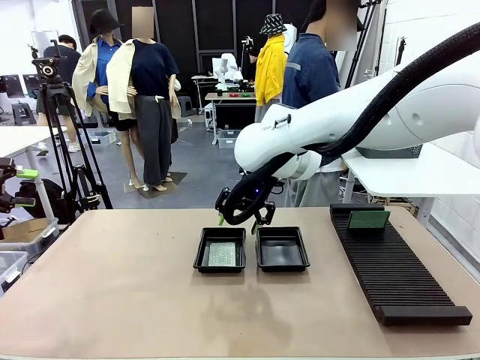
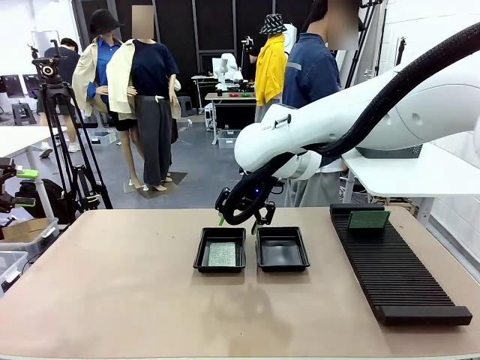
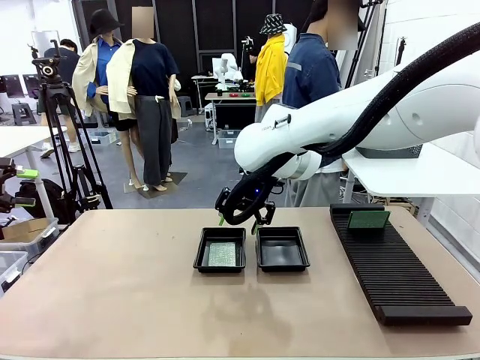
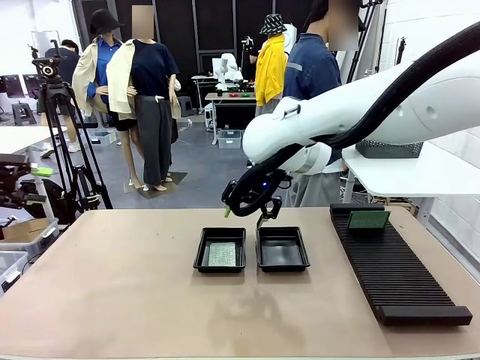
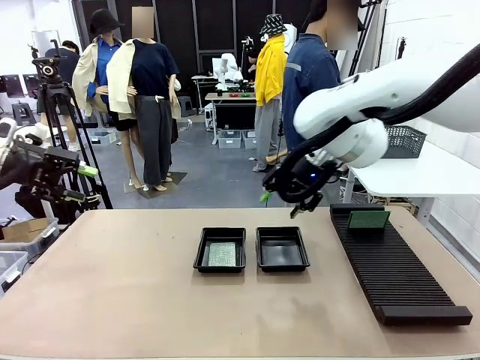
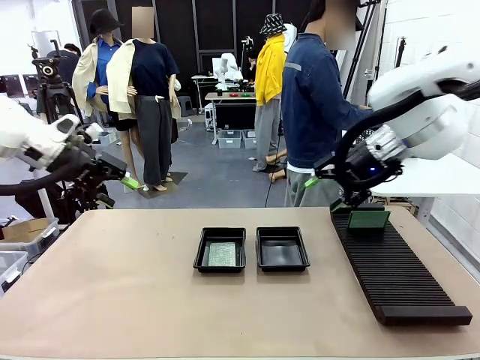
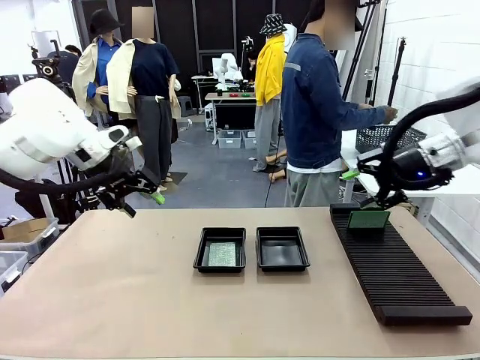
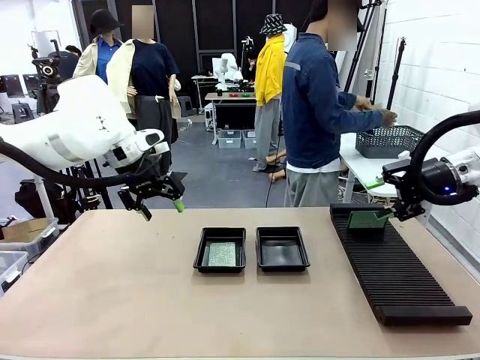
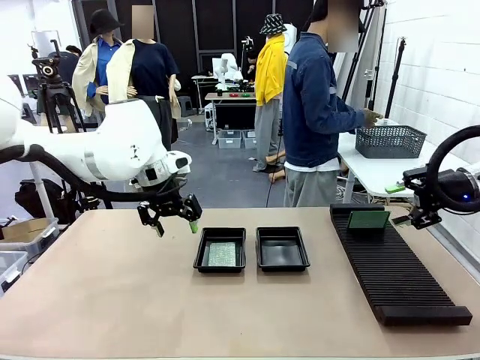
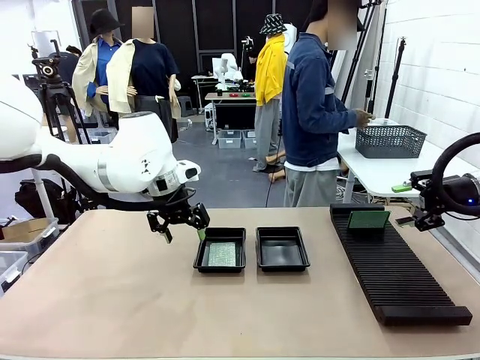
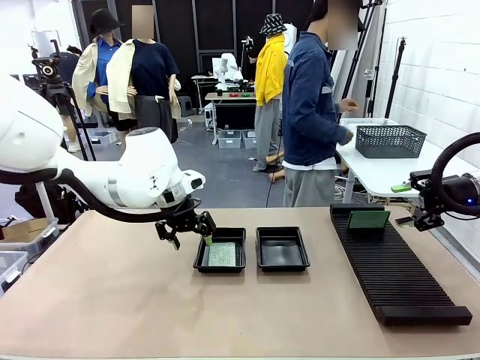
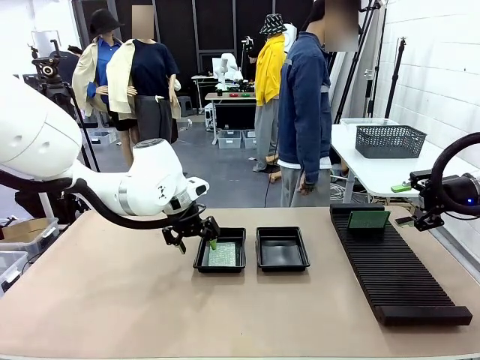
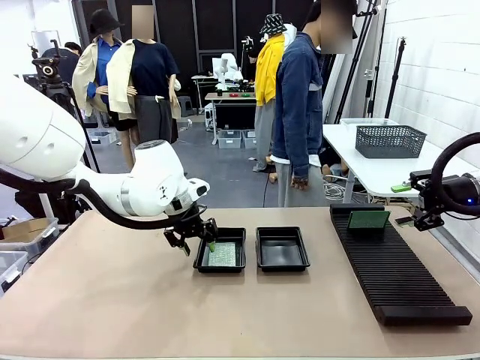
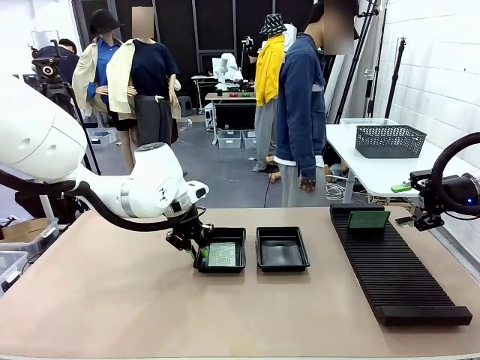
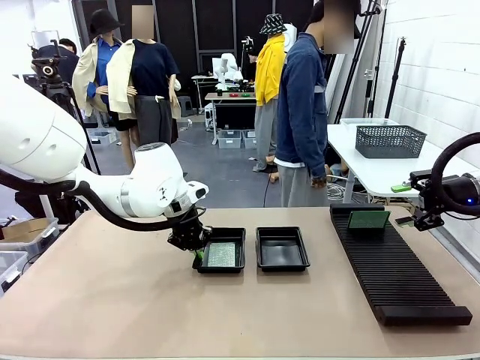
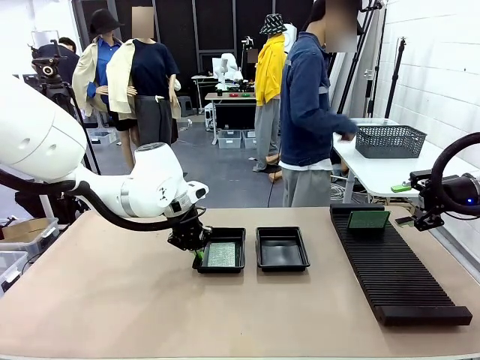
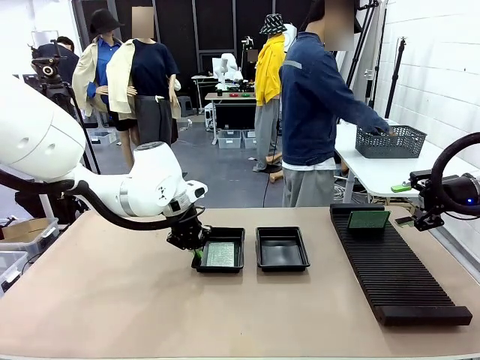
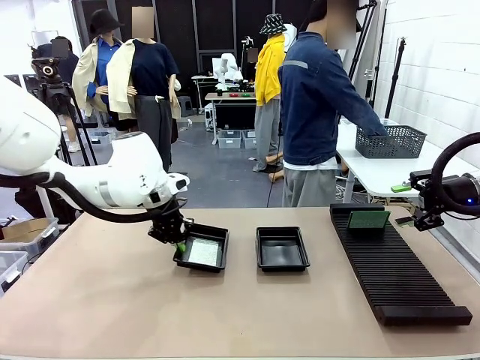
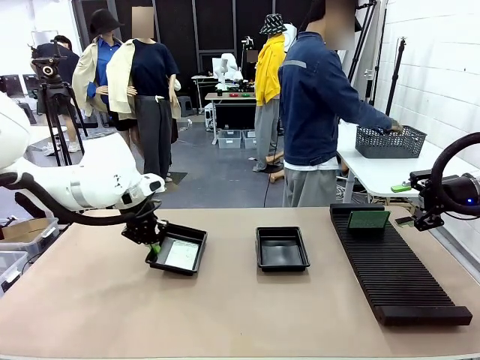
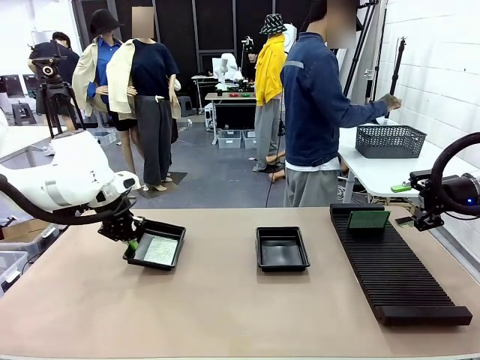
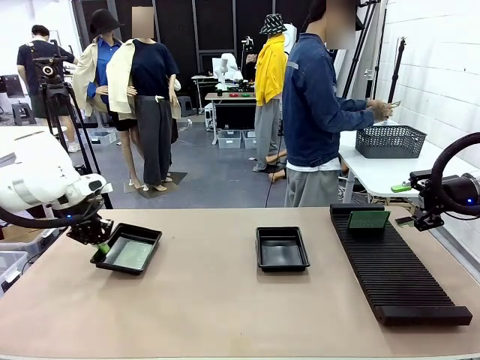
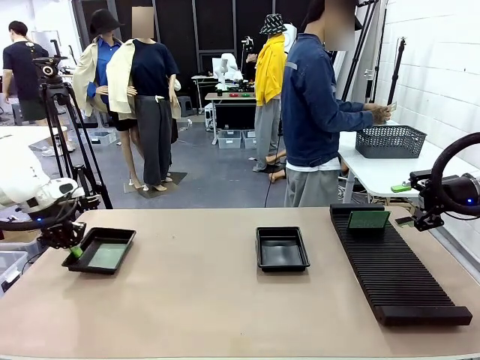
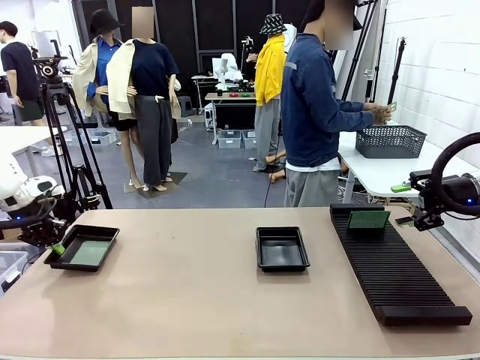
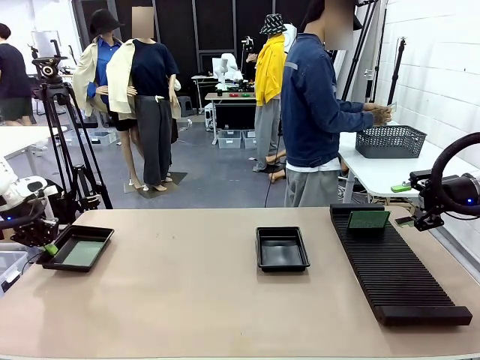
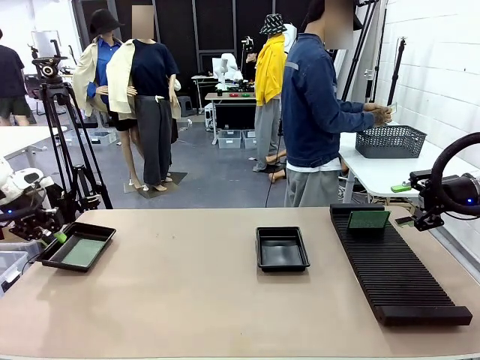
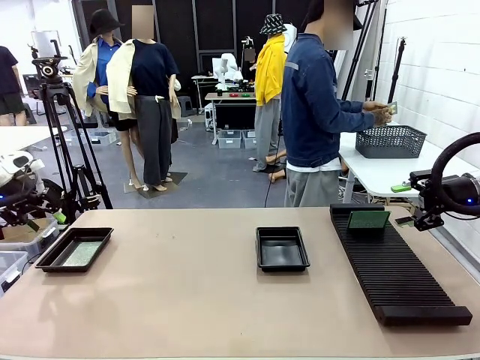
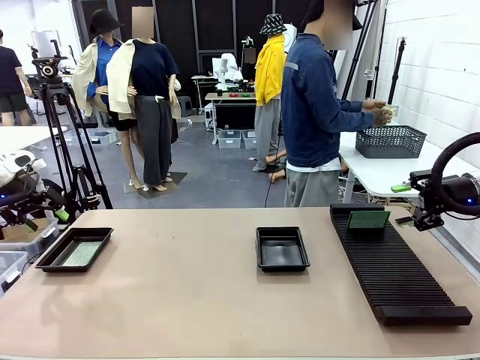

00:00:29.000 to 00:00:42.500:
Task: Inspect and transfer BCBs to ESD trays.
Robot: Pick up the ESD tray and place it on the left side of the table.

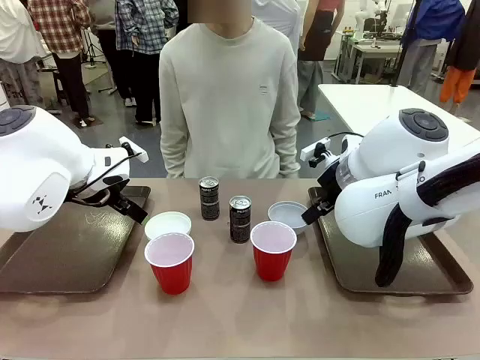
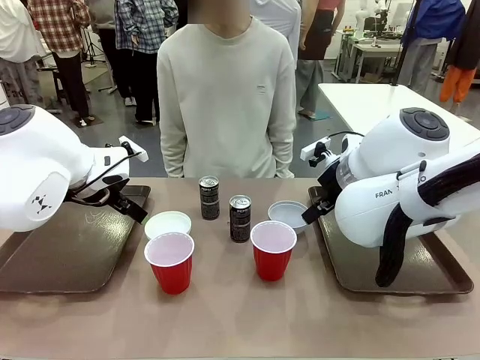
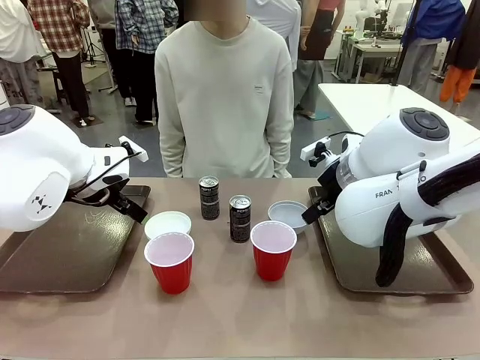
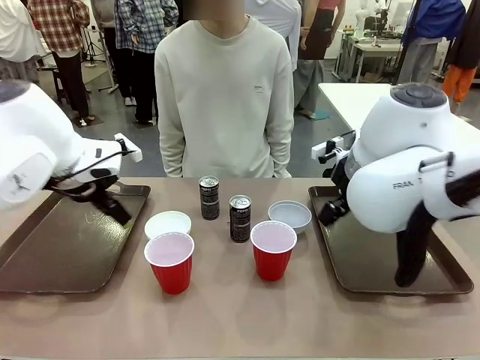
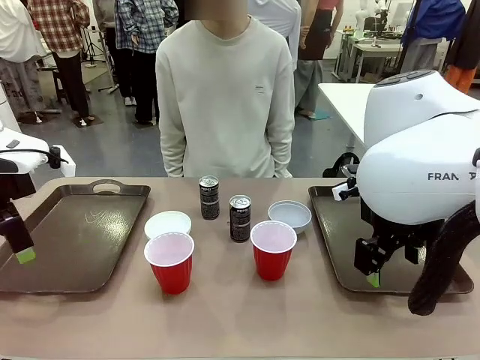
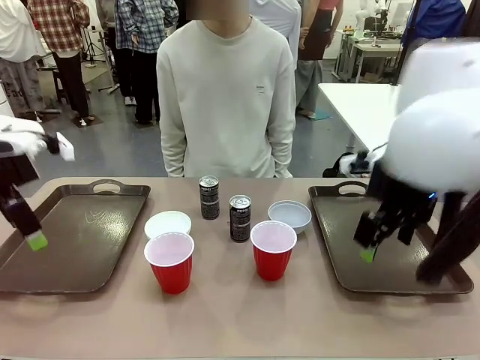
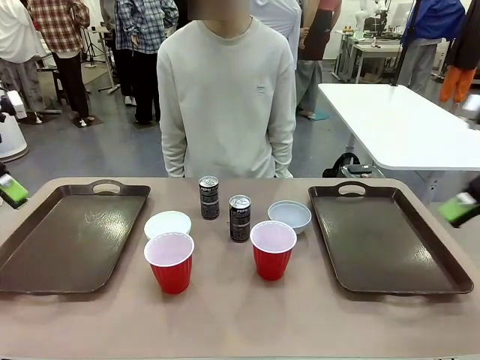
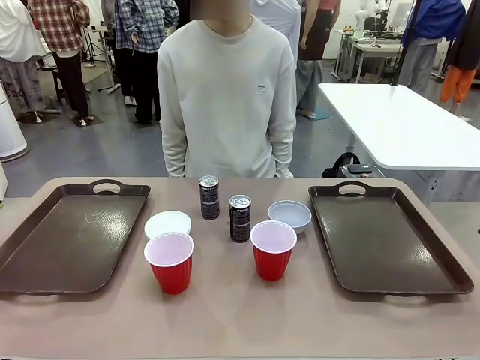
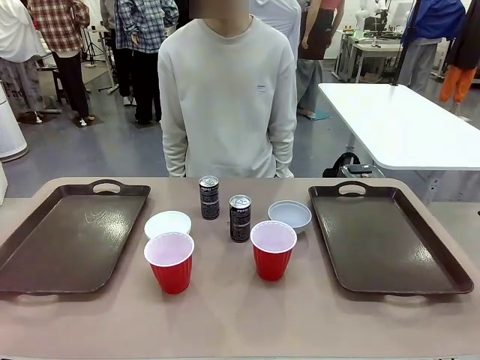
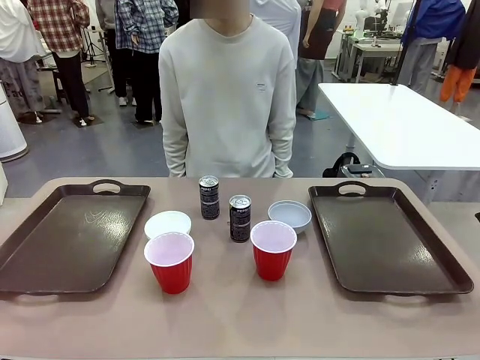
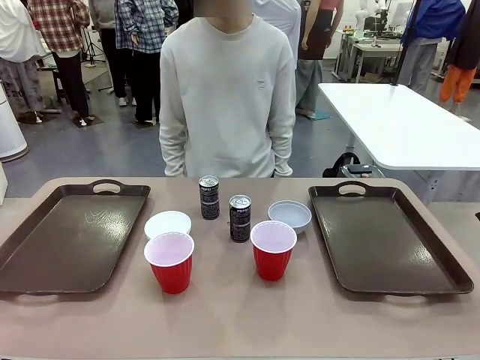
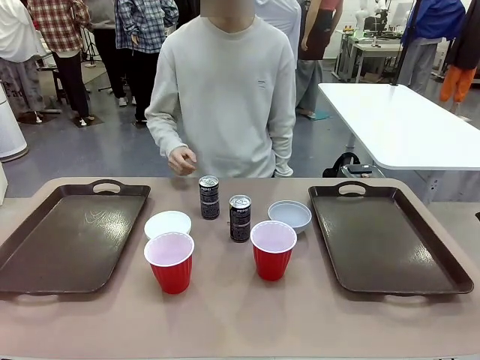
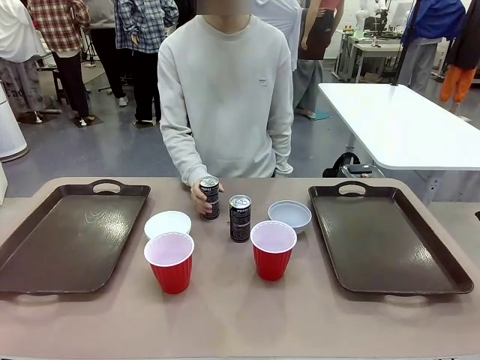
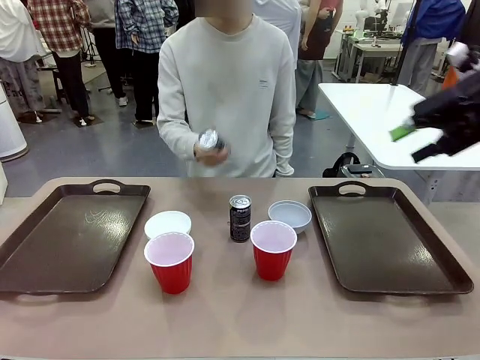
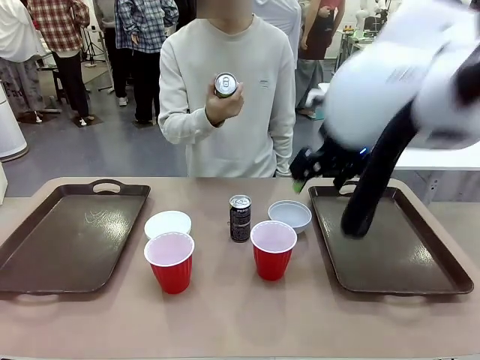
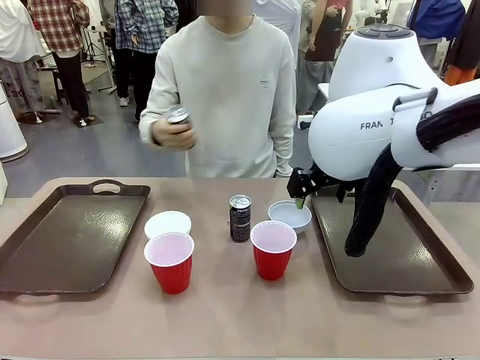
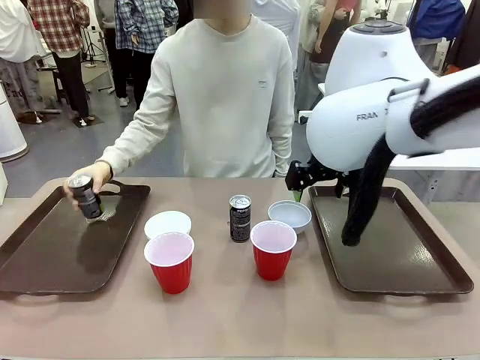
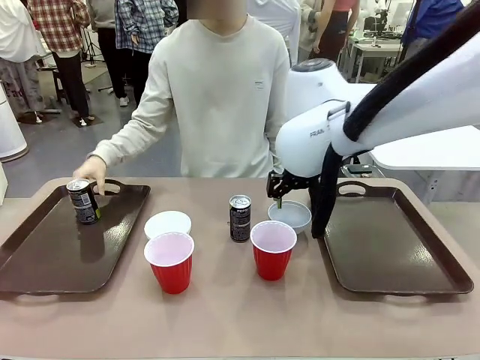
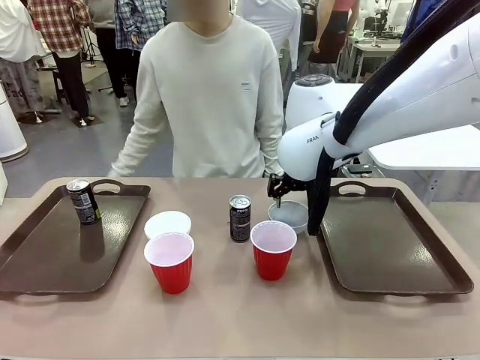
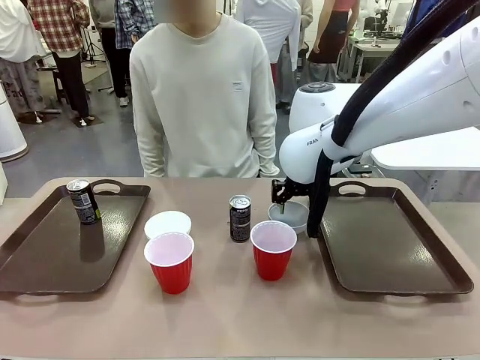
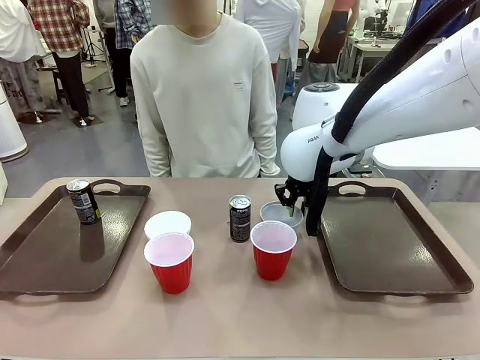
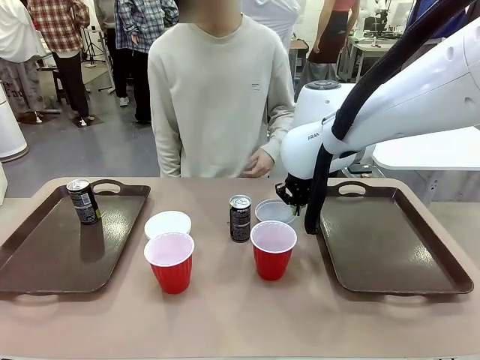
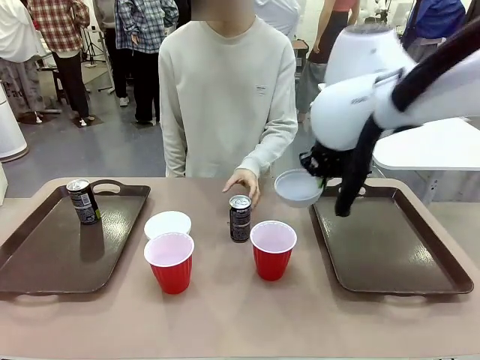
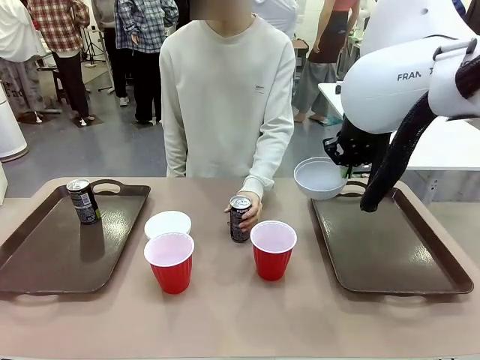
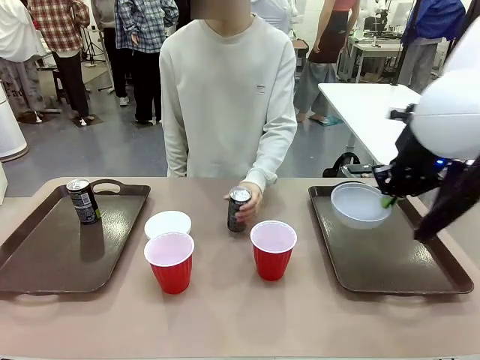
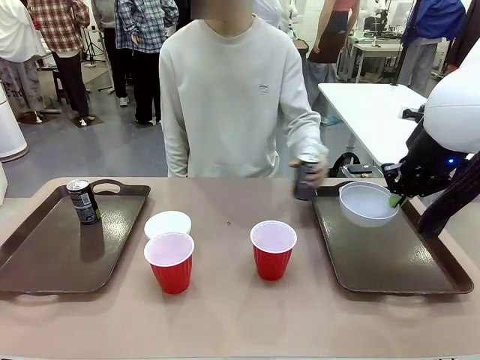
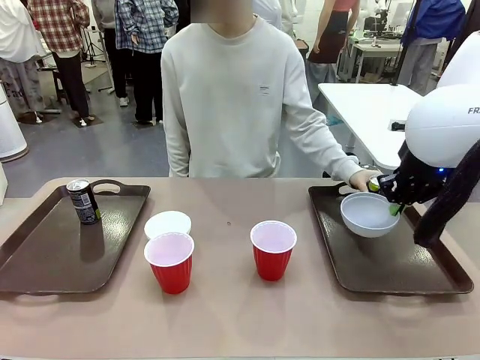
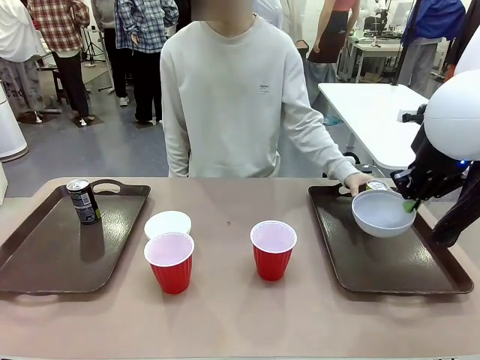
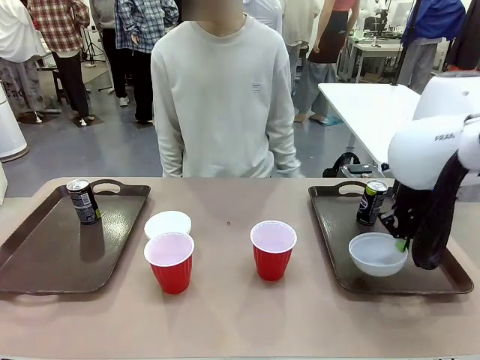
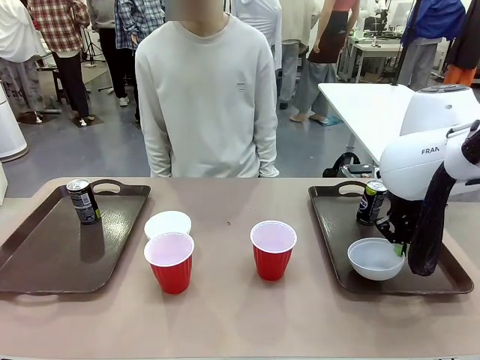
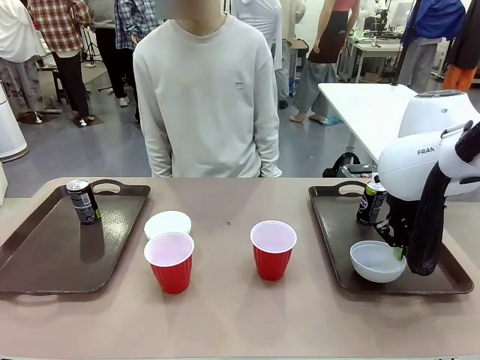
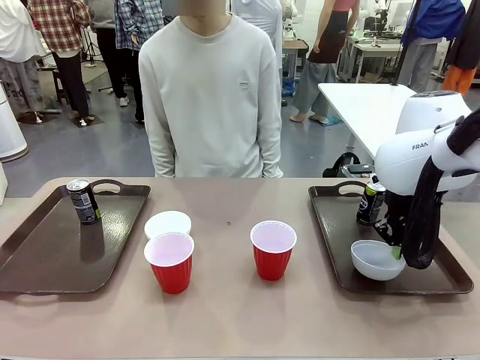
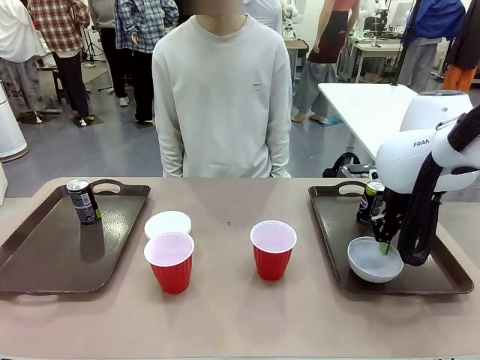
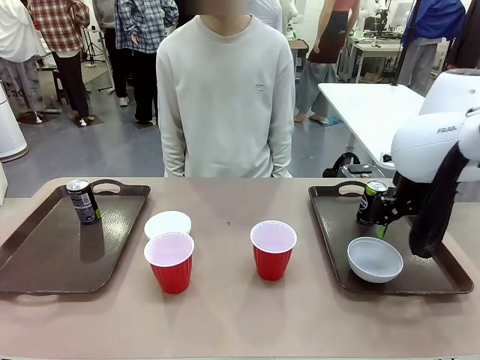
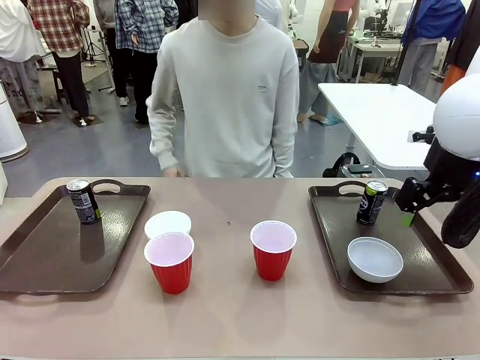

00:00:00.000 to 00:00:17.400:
Task: Prepare tableware on both trays.
Robot: Pick up a Picnic Bowl from the table and place it on a Handle tray.
Person: Pick up a can or cup and place it on the tray.
